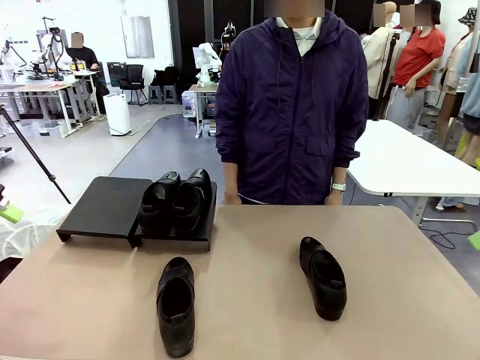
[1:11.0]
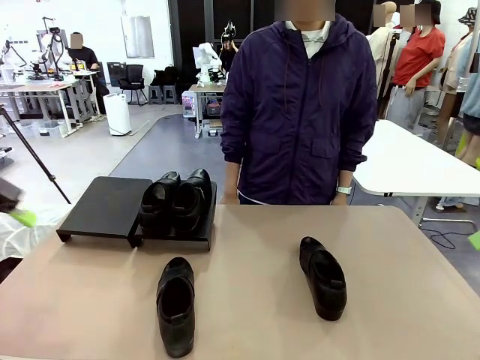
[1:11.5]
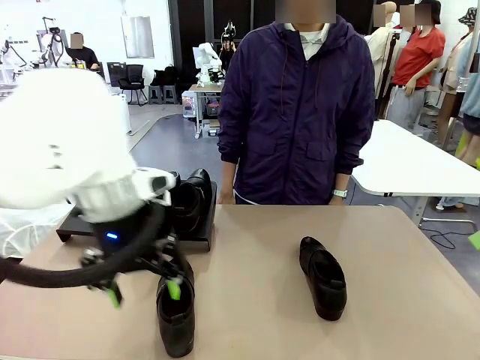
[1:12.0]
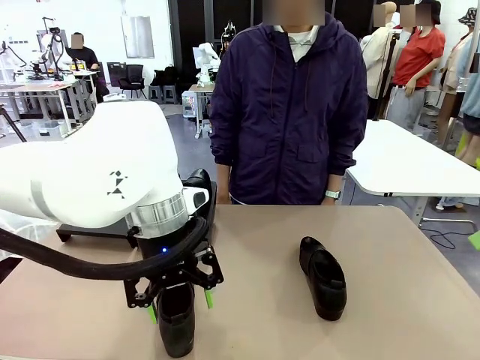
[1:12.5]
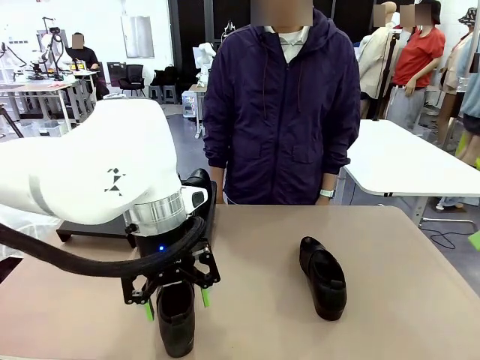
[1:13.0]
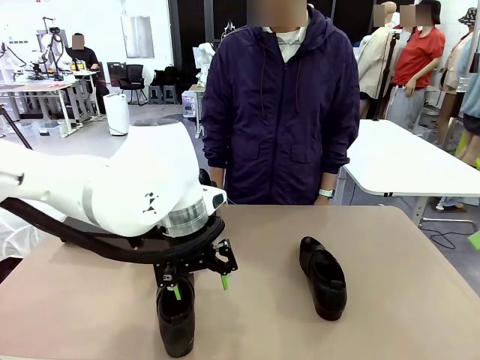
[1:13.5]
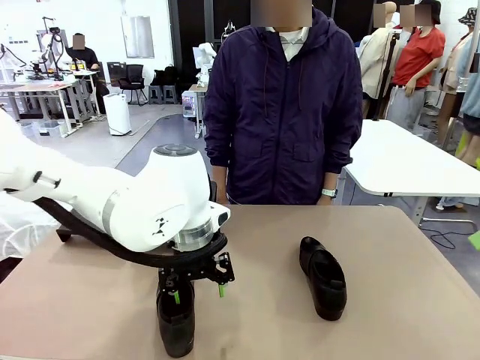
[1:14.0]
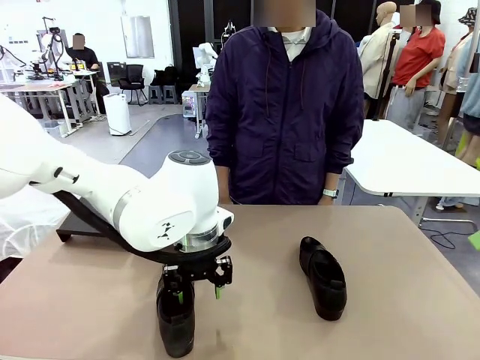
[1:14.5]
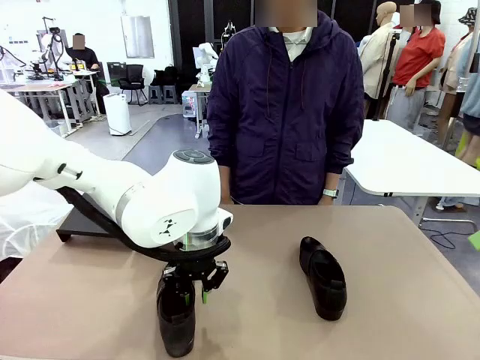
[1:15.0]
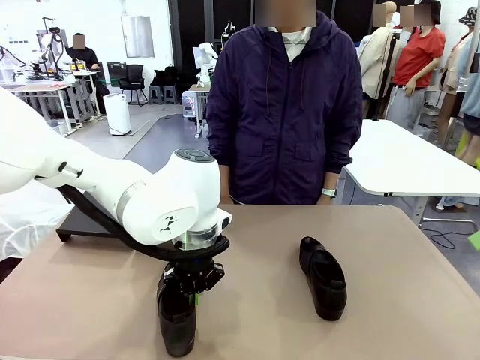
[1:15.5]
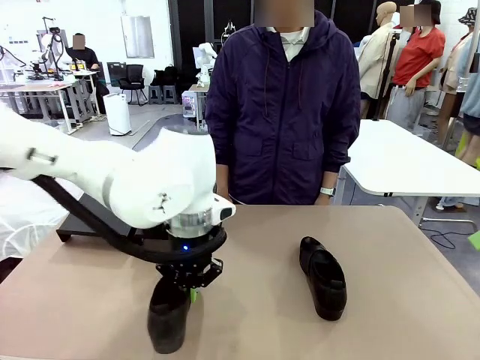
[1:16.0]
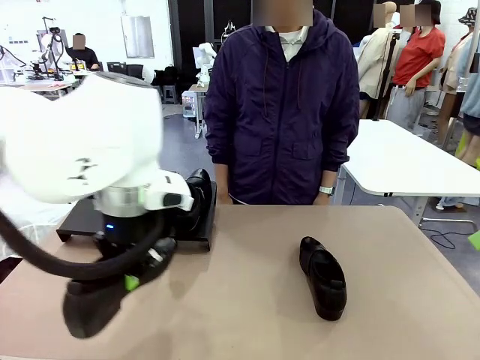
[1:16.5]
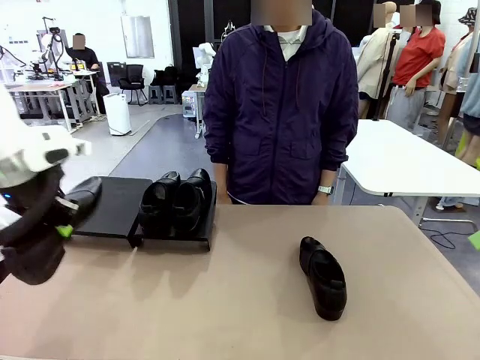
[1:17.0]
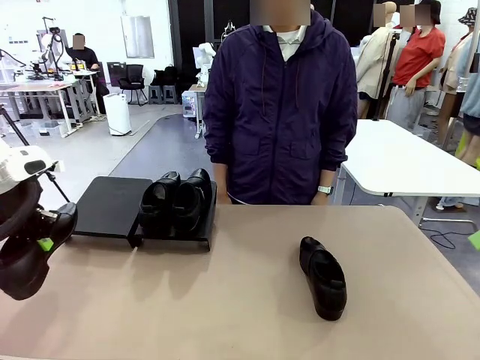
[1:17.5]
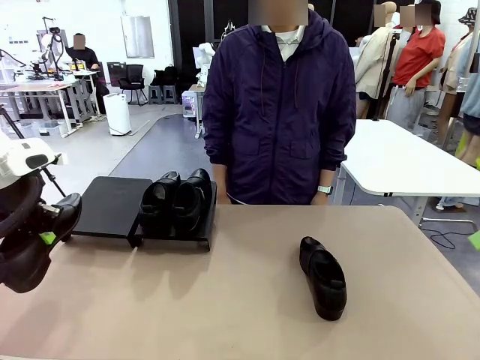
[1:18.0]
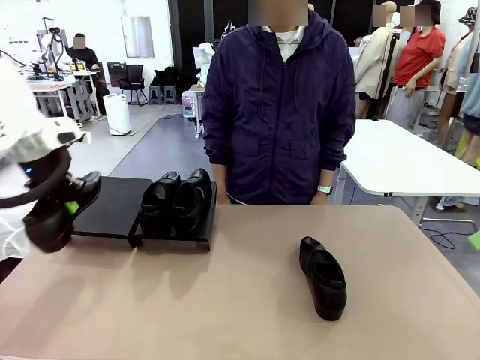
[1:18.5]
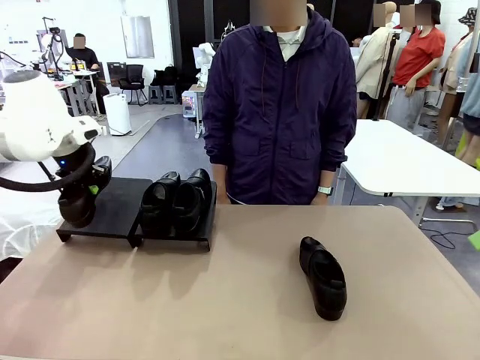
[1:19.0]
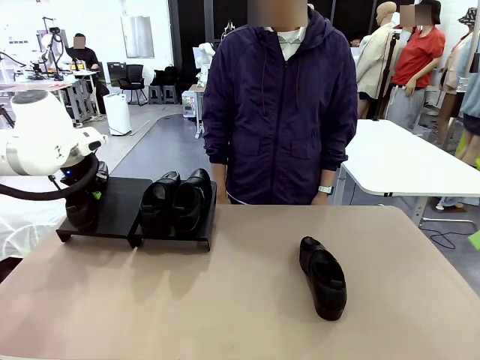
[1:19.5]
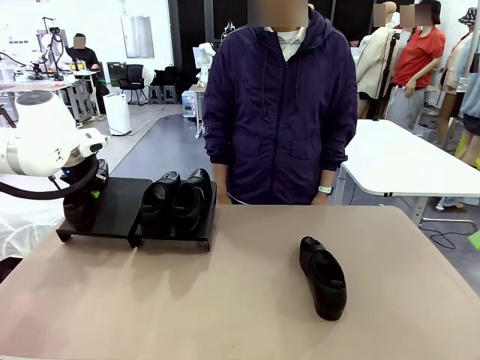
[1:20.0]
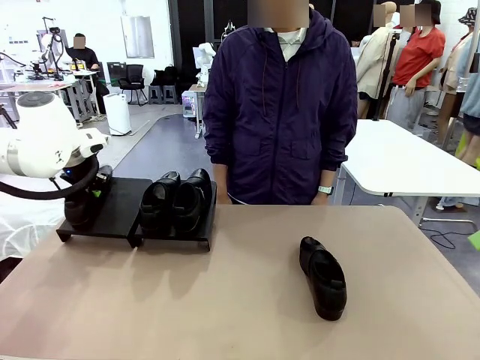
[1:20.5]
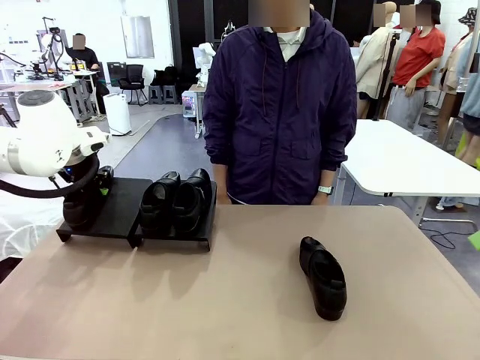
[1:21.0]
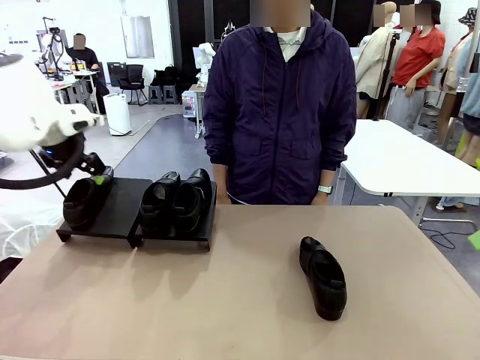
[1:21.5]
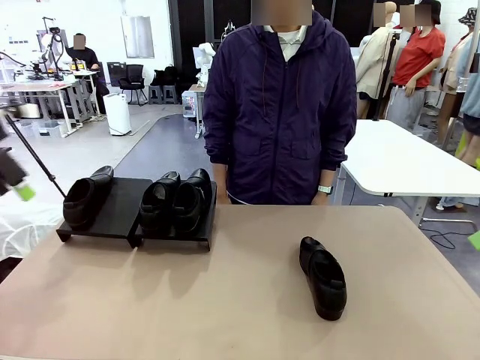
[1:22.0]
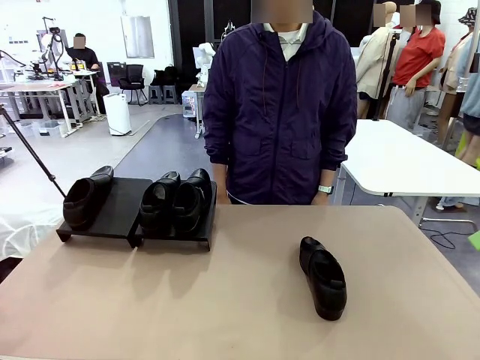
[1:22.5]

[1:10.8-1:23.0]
Task: Organize the shoes by placing them on the stand.
Robot: Place the Shoe from the middle of the table onto the Shoes Stand.

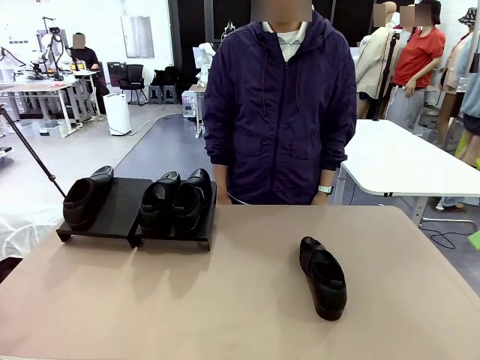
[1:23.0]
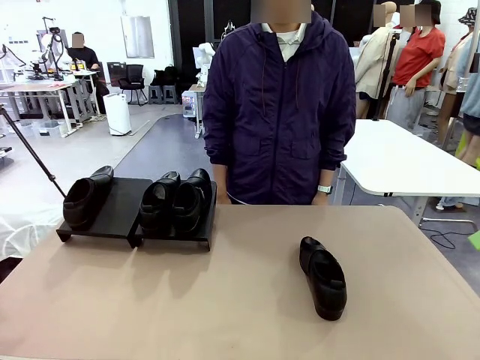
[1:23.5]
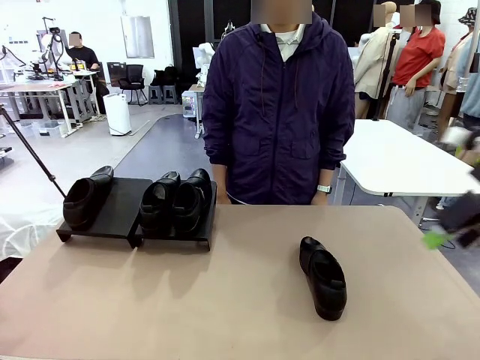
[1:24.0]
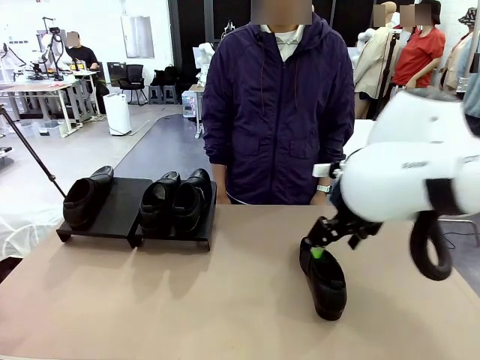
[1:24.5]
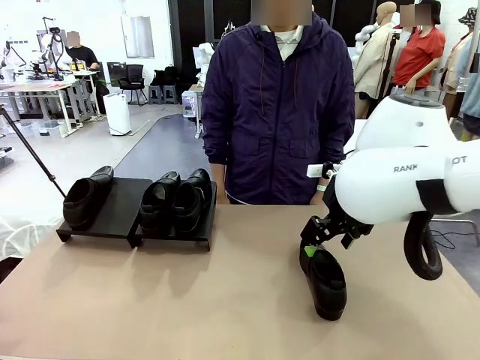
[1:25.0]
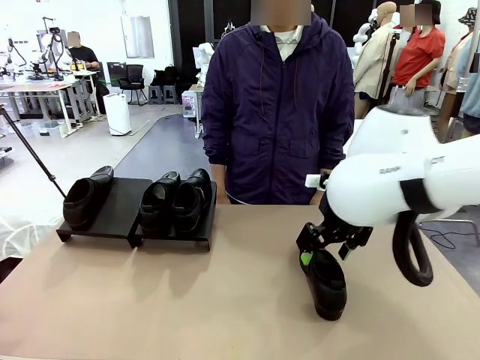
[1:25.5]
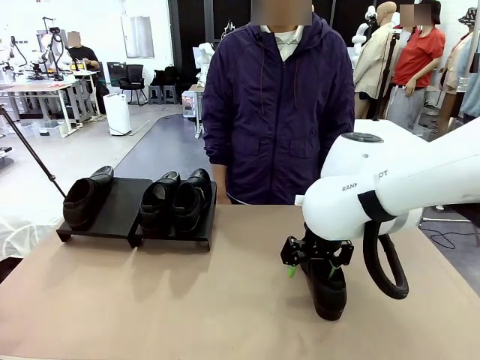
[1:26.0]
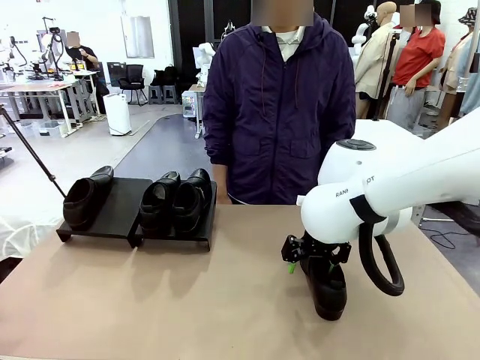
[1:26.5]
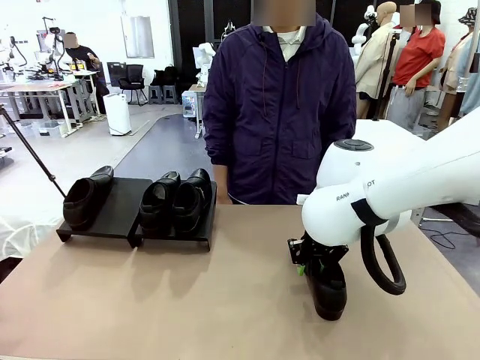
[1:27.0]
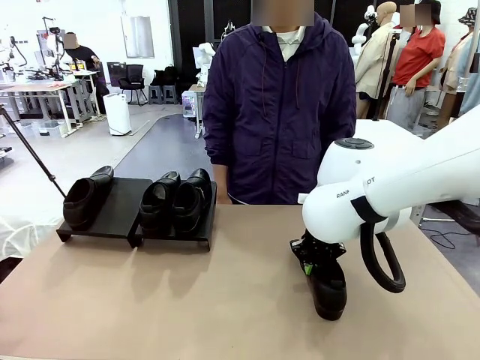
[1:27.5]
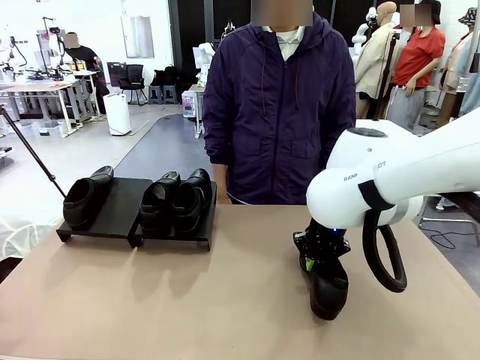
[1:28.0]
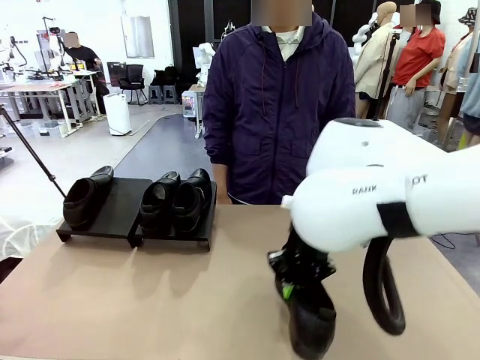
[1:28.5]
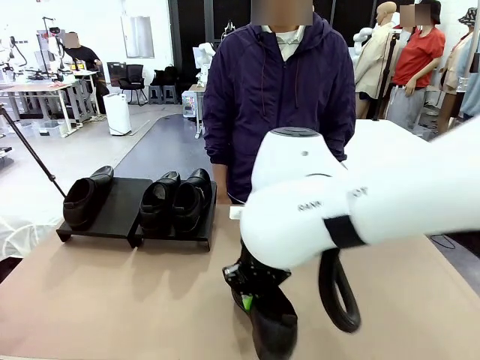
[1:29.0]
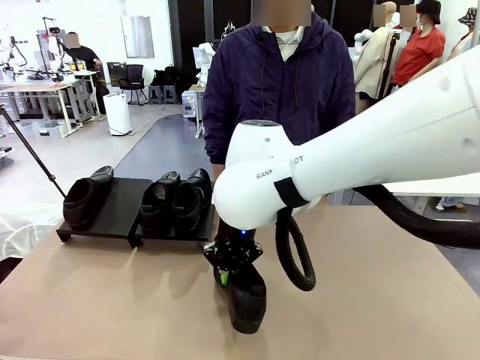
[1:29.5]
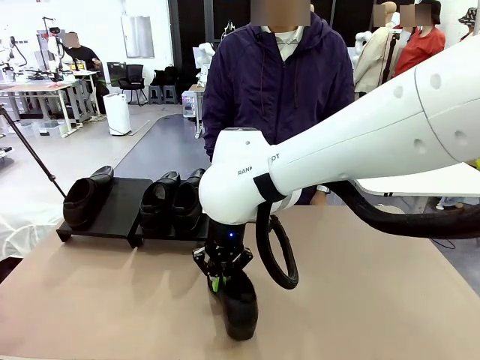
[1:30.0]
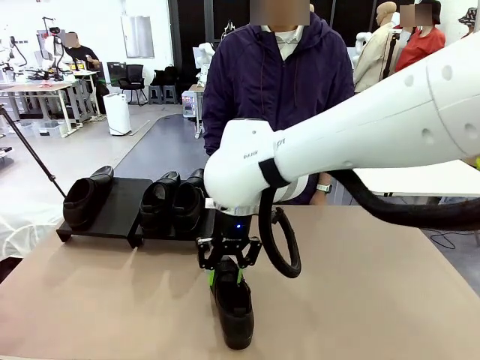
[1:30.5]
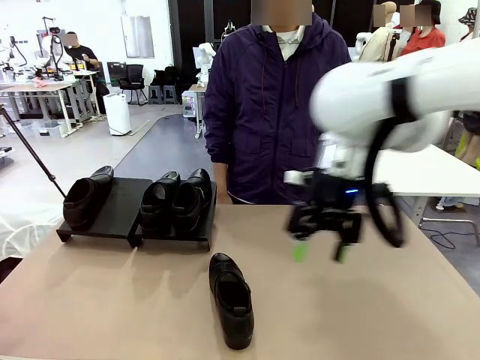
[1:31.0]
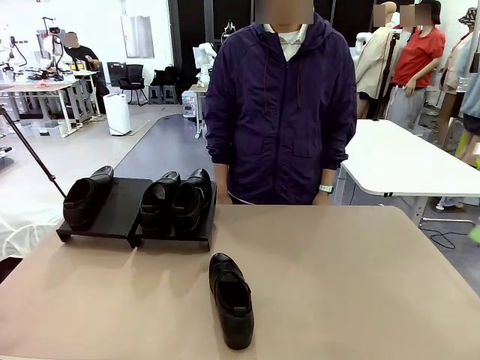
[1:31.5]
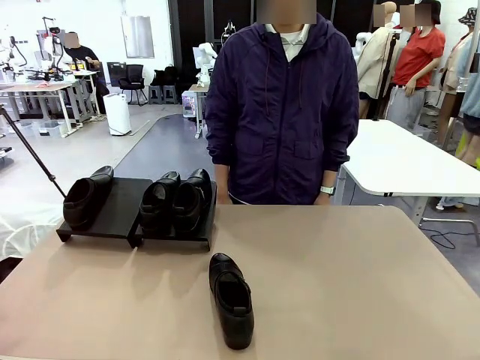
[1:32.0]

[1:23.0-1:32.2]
Robot: Pick up one Shoe and place it in the middle of the table.

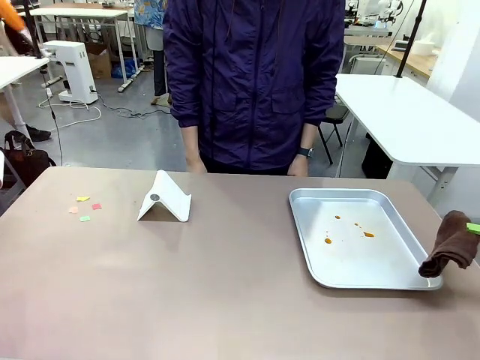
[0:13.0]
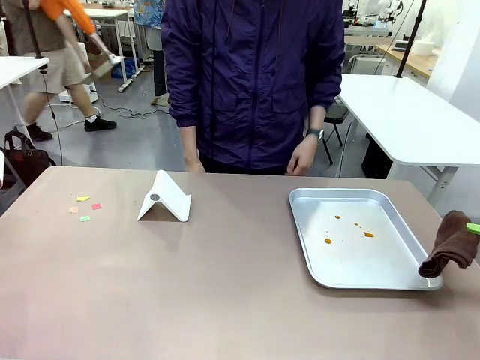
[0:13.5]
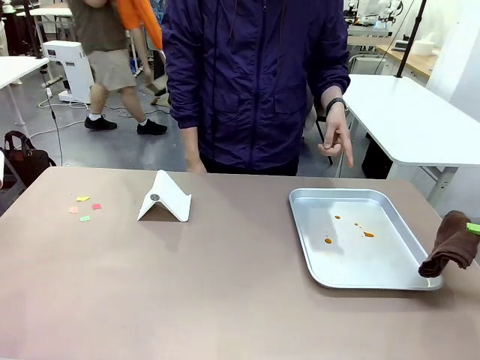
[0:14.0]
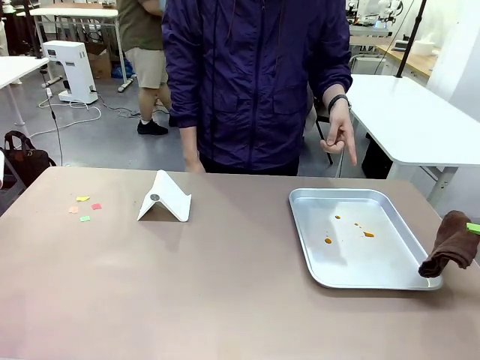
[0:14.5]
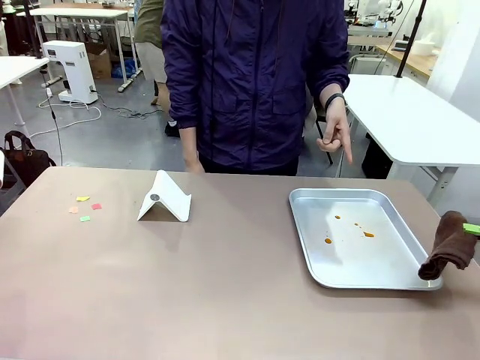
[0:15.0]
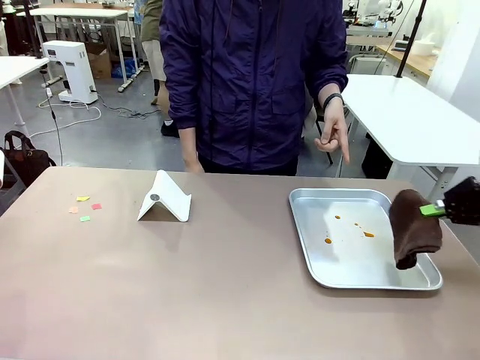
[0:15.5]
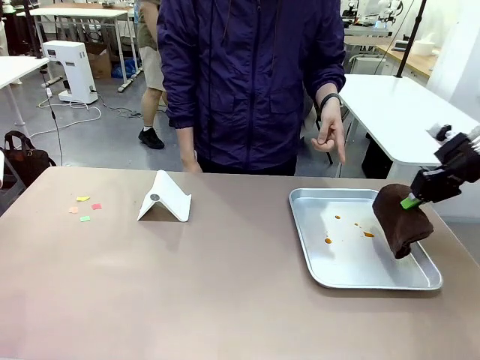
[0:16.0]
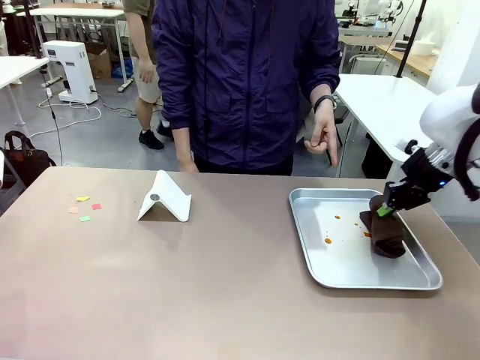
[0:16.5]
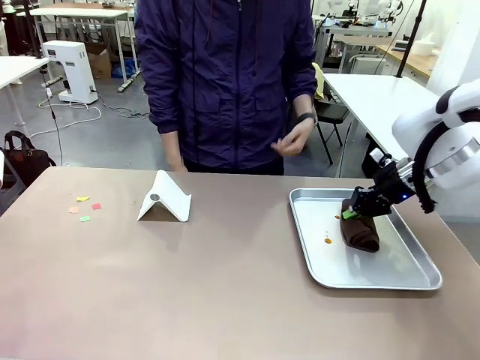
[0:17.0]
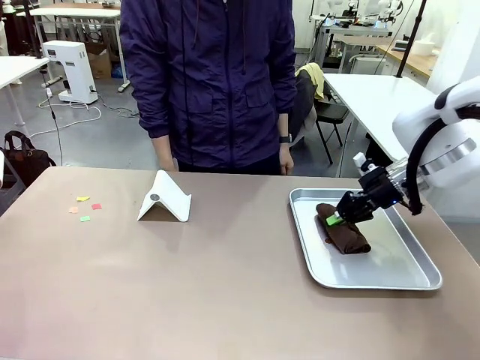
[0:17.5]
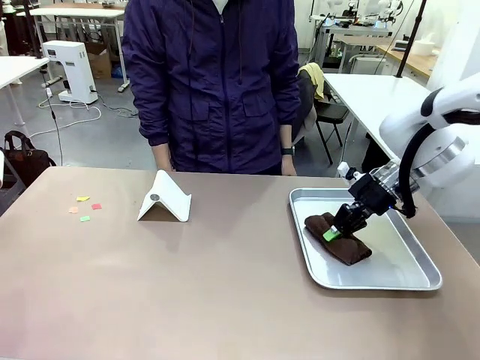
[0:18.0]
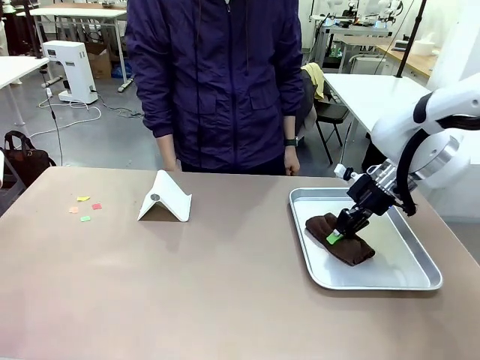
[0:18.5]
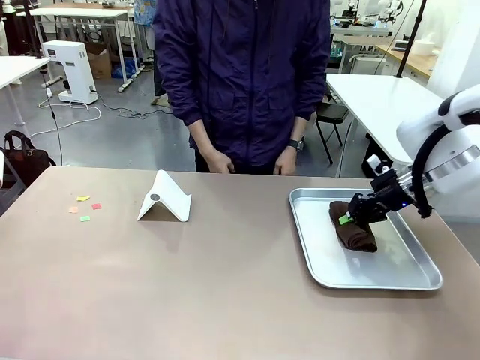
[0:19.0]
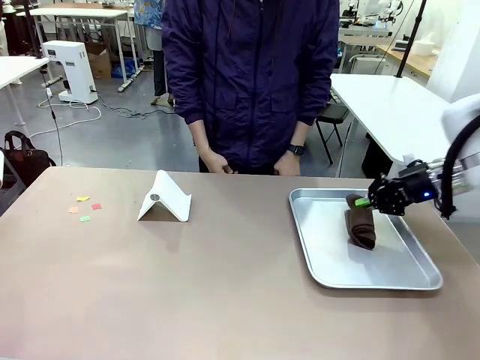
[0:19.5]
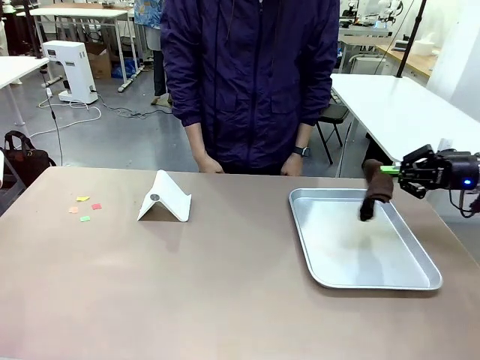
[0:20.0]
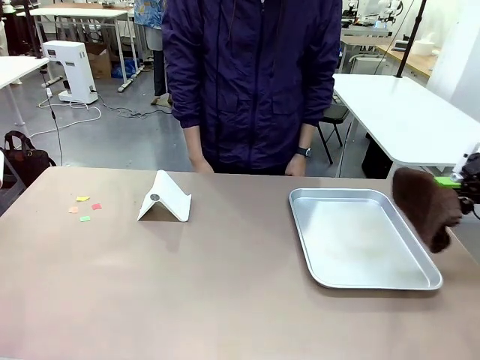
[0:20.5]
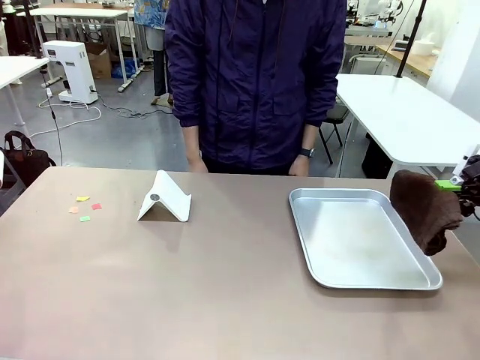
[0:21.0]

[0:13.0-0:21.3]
Task: Clean the surface of the table.
Robot: If a person points to the right, clean the right side of the table with your right hand, and if they point to the left, clean the left side with your left hand.
